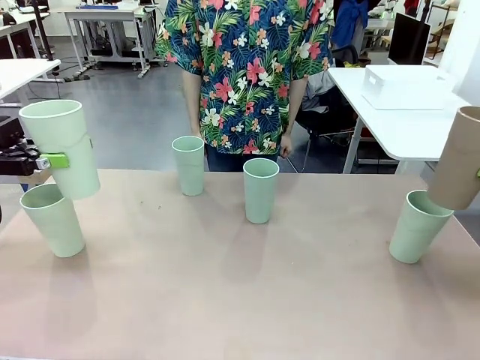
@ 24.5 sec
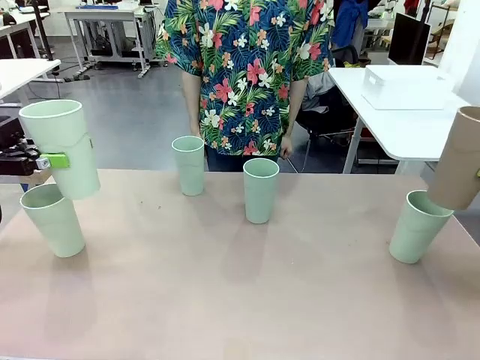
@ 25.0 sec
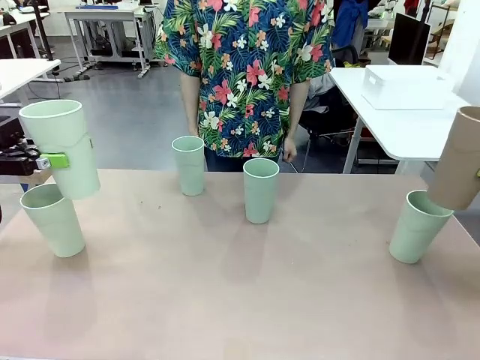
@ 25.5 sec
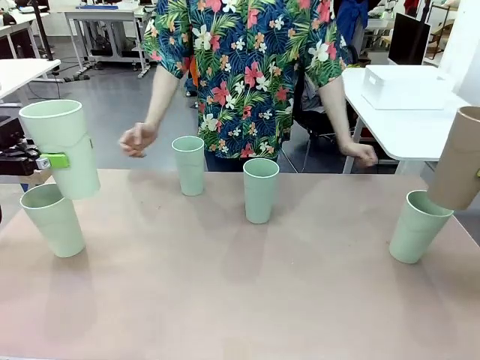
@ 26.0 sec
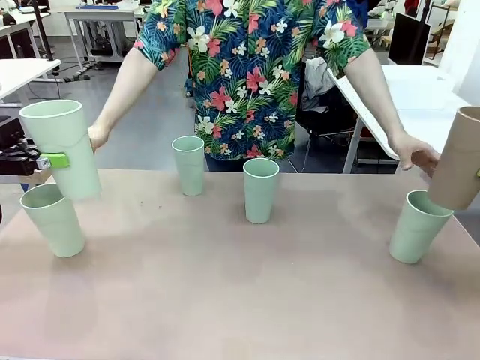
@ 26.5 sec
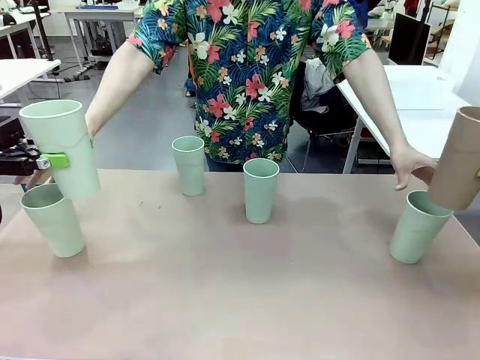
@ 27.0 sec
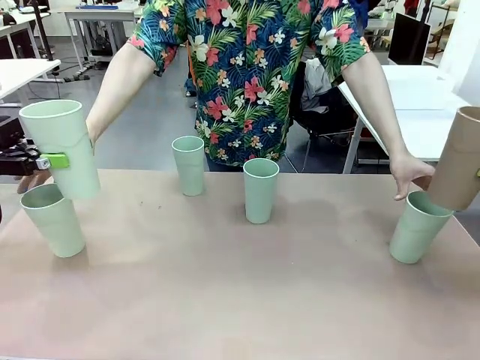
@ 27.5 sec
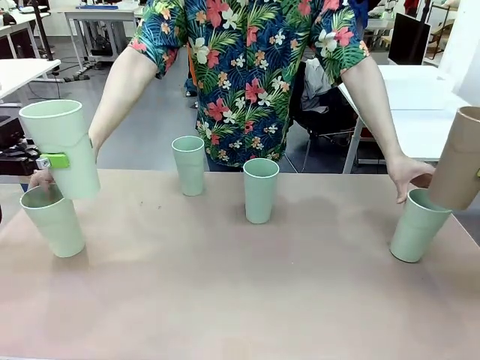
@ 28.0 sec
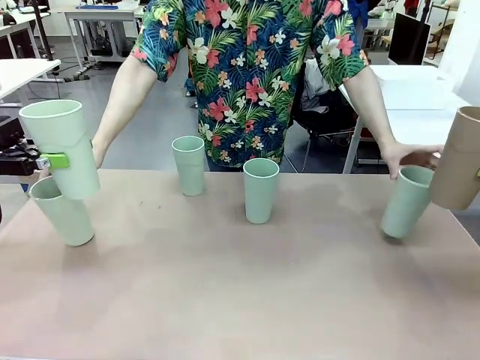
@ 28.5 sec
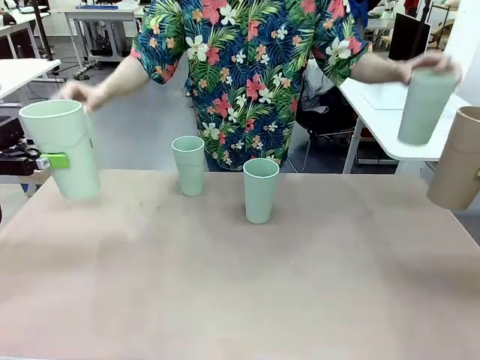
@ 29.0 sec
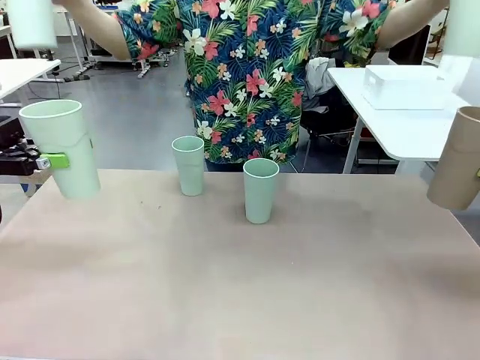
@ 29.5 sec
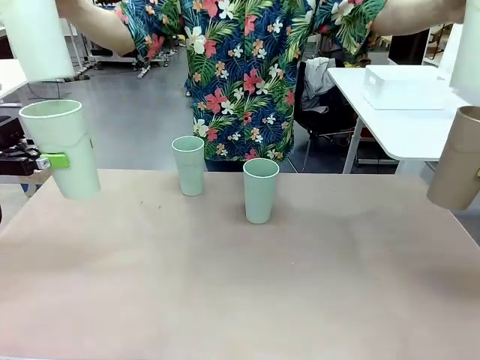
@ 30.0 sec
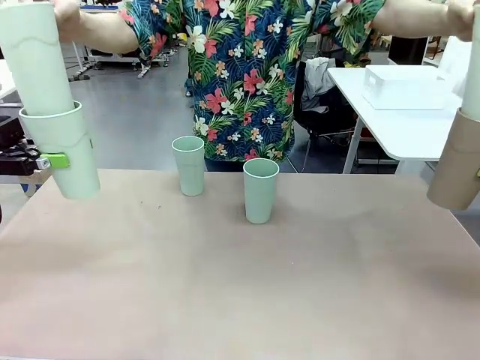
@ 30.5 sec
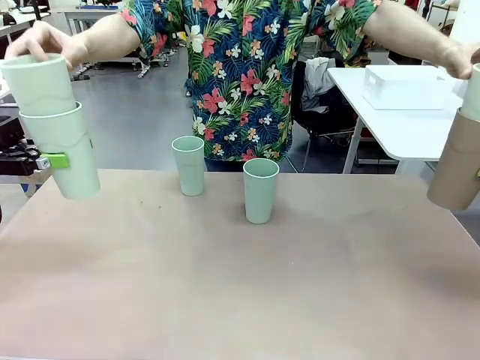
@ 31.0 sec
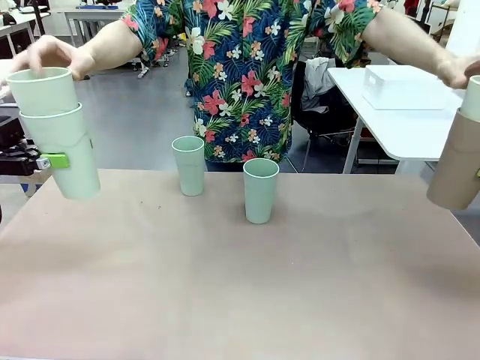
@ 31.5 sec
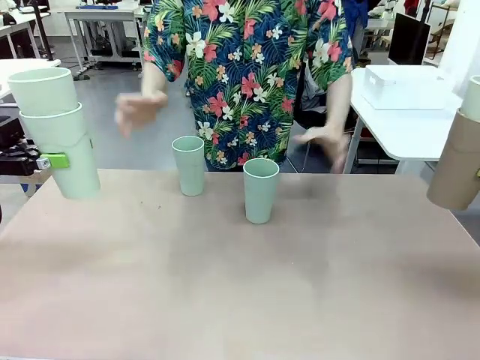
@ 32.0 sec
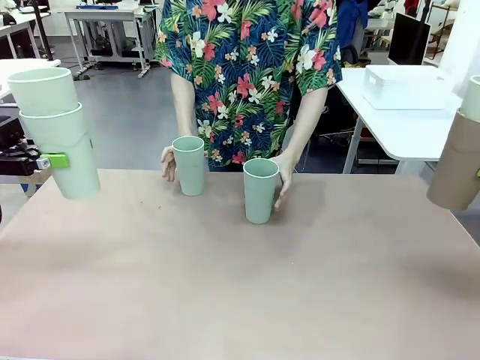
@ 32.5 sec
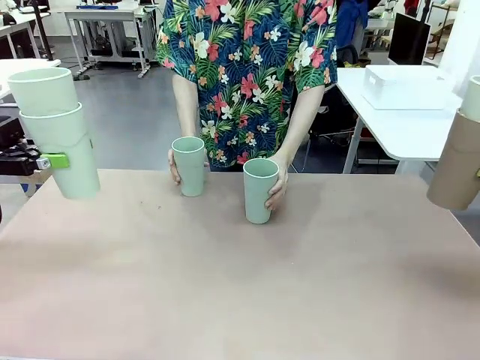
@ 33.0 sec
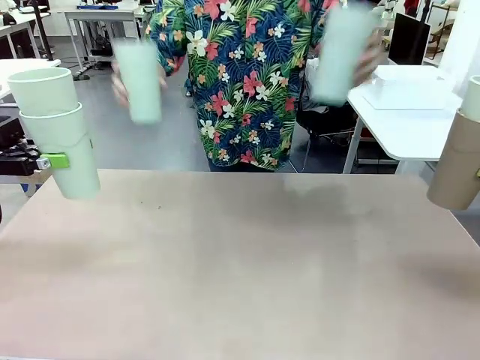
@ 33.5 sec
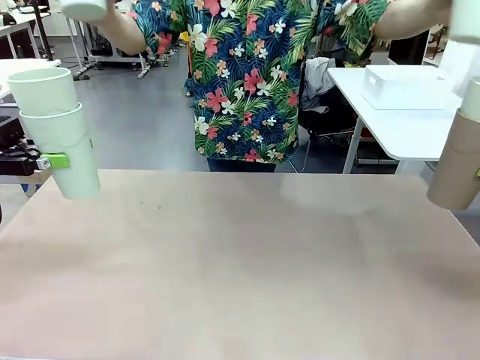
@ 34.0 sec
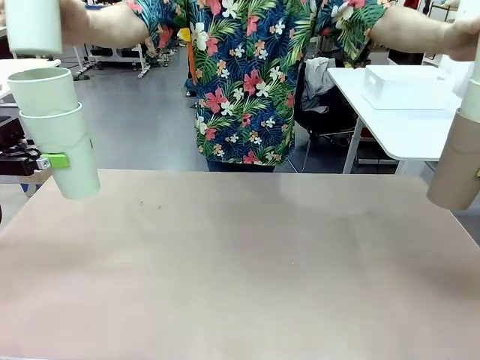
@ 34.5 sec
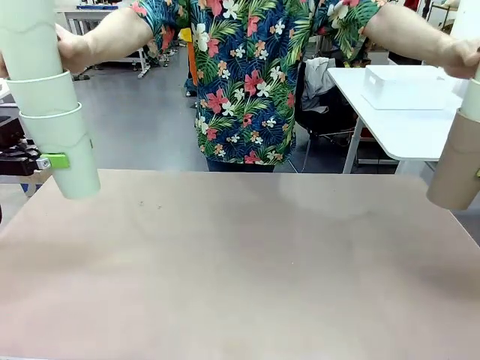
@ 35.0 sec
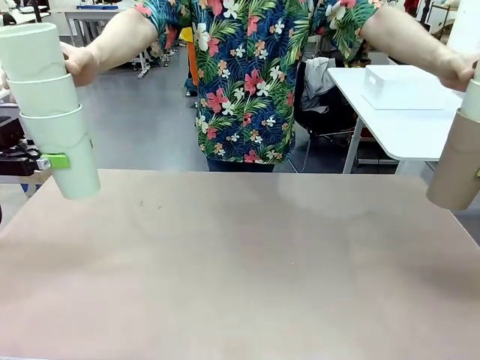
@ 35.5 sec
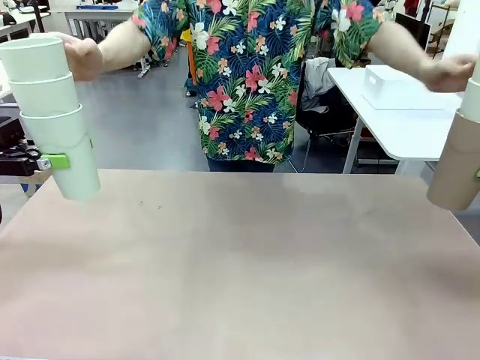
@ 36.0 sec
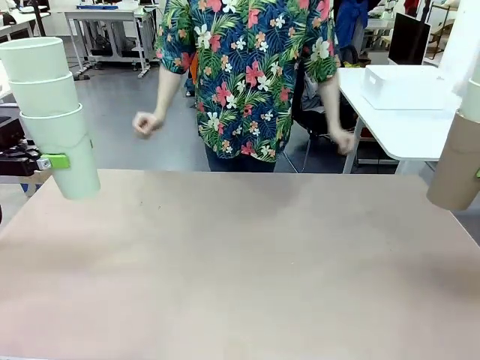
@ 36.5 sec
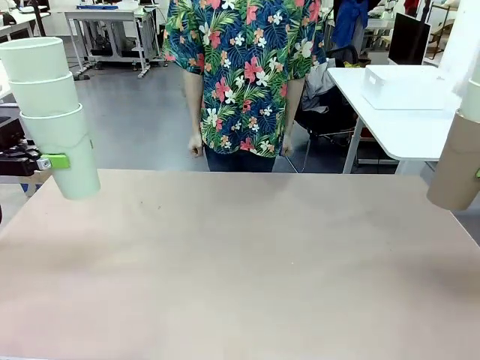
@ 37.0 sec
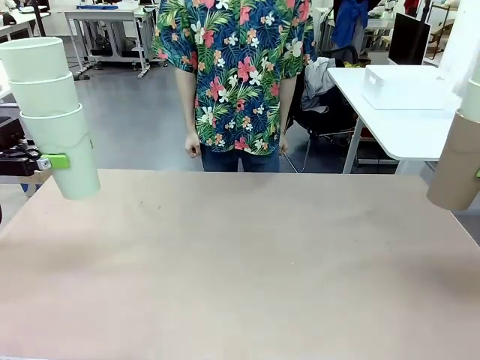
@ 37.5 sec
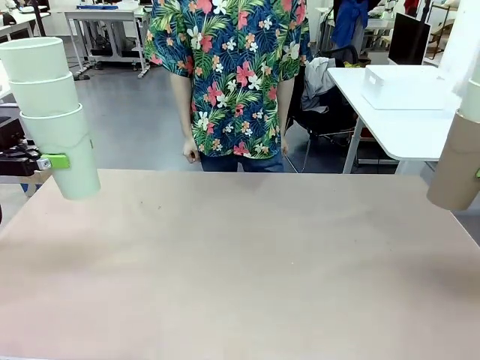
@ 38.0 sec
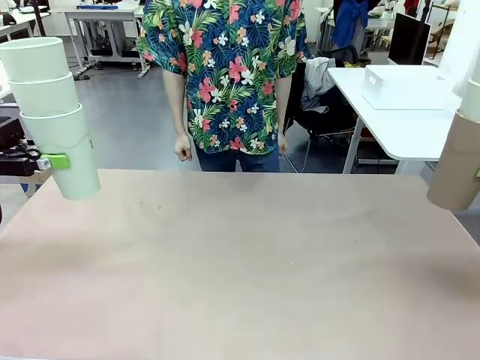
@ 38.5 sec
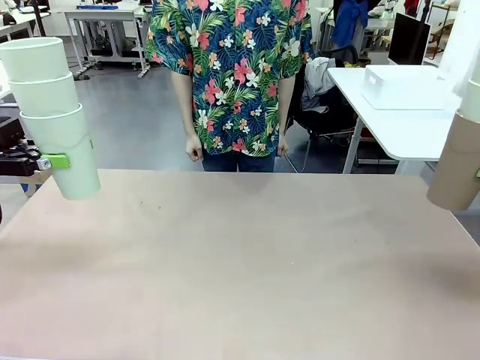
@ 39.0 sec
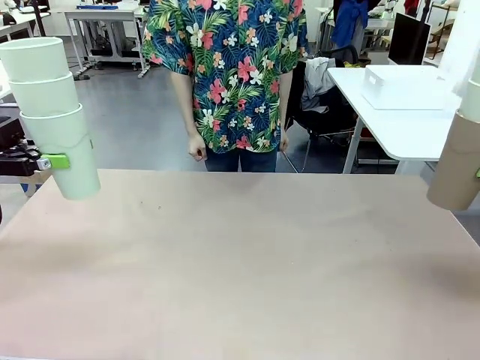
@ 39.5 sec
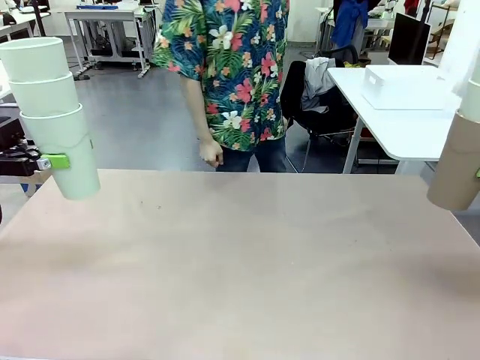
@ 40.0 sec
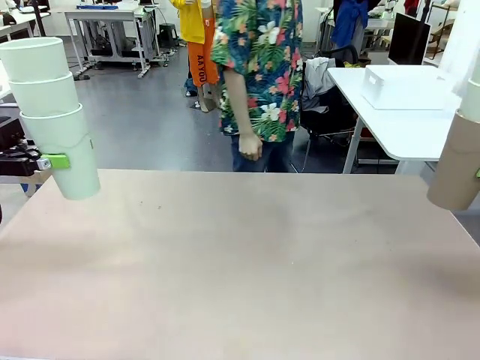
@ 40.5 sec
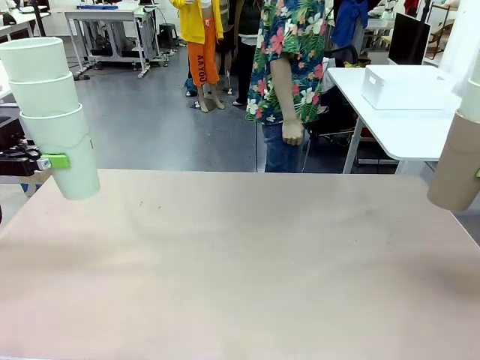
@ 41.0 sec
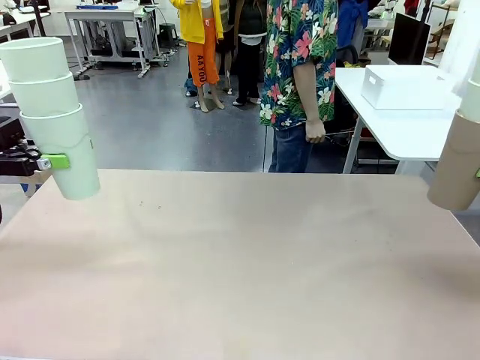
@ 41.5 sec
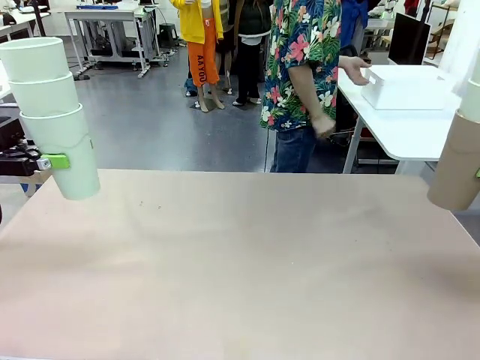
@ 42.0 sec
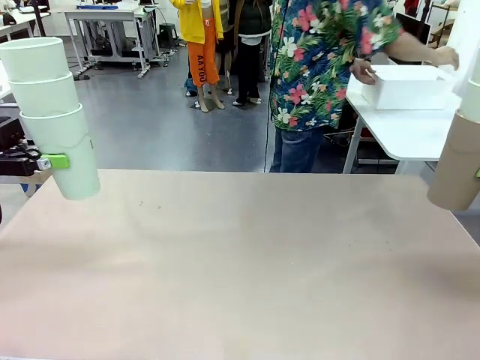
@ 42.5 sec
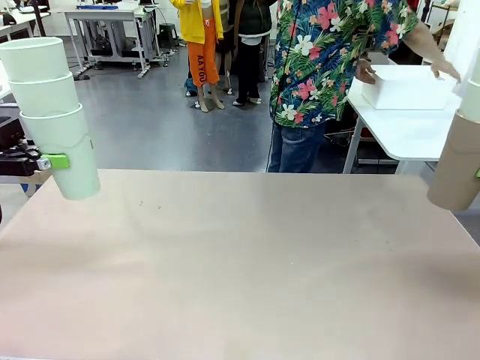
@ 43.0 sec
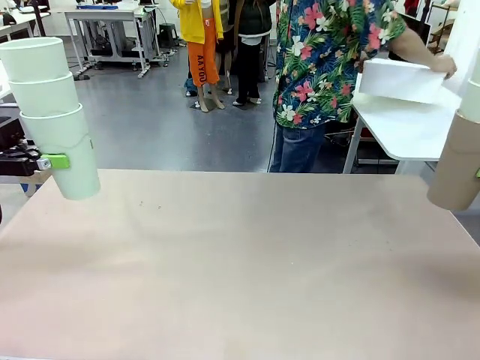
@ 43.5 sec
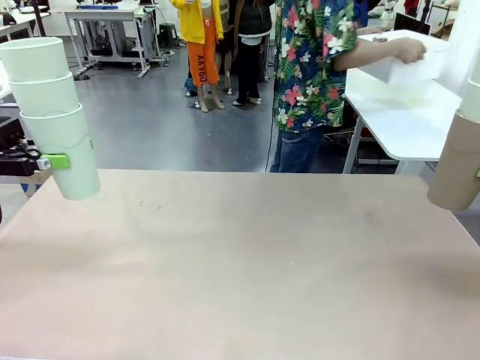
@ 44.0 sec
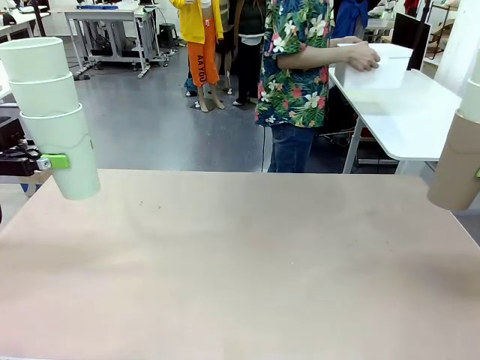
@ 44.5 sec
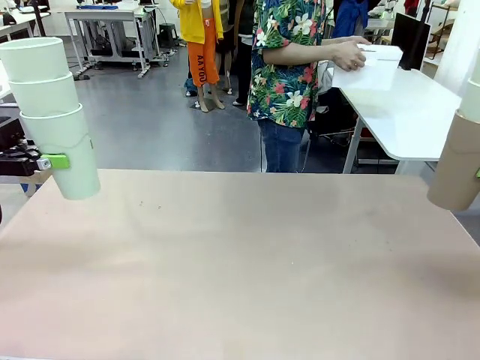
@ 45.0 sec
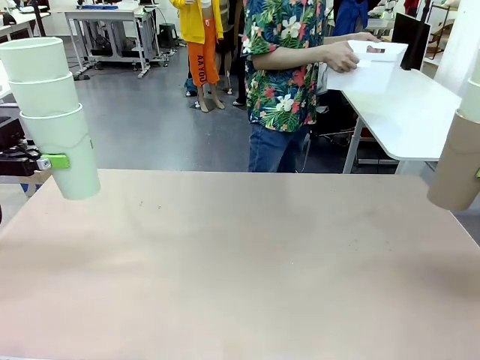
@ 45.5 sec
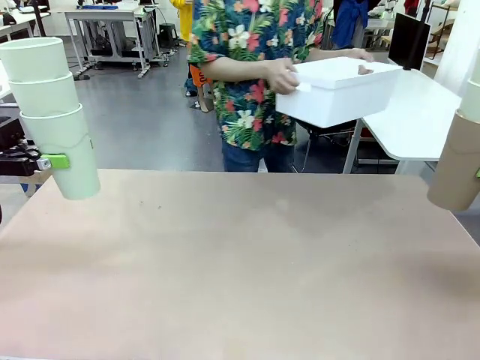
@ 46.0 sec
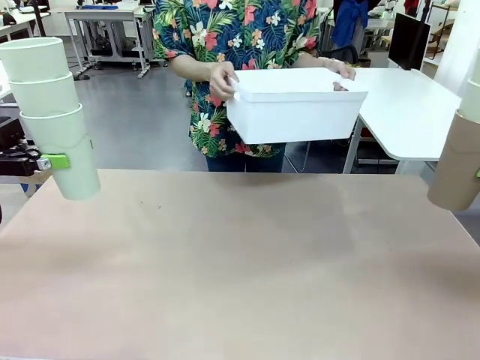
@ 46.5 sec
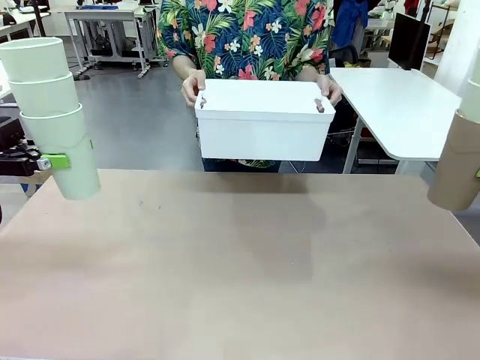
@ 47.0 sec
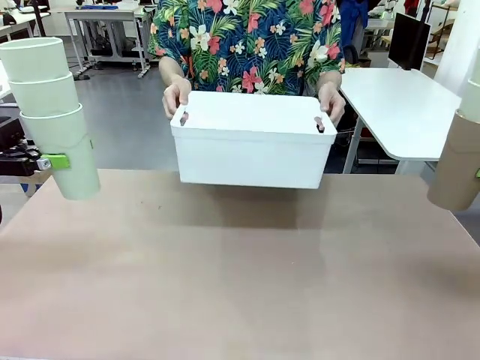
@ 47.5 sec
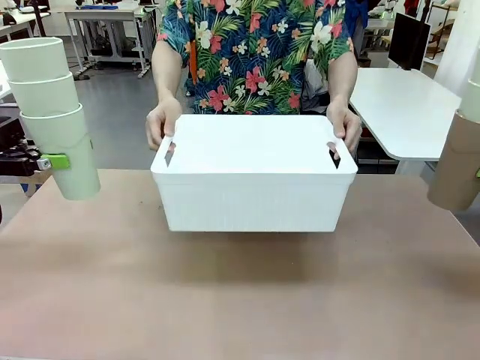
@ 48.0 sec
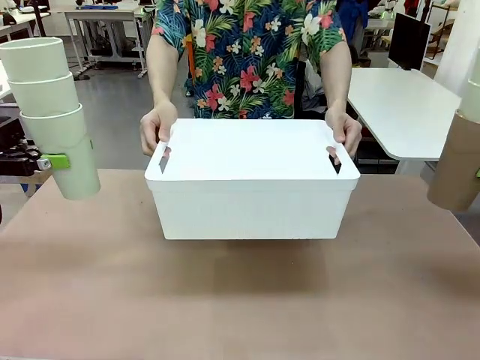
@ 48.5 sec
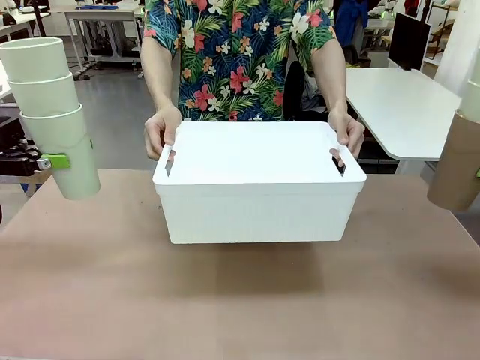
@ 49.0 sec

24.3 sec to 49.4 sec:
Task: Stack the cups and store them in the basket.
Robot: Place the stack of Reusable plastic cups into the Pantry Basket.
Person: Pick up the basket from the Human Table, bring it to the front of the robot, and present it.
